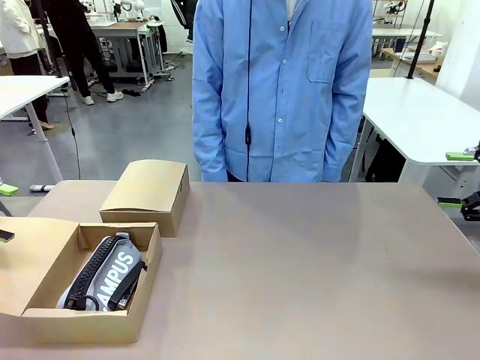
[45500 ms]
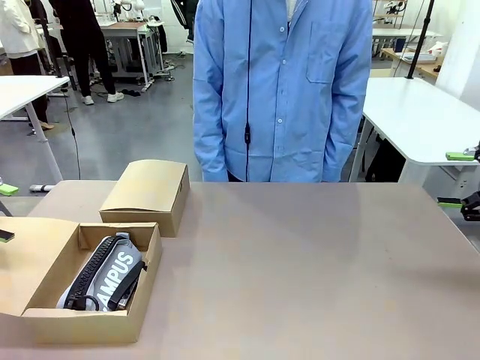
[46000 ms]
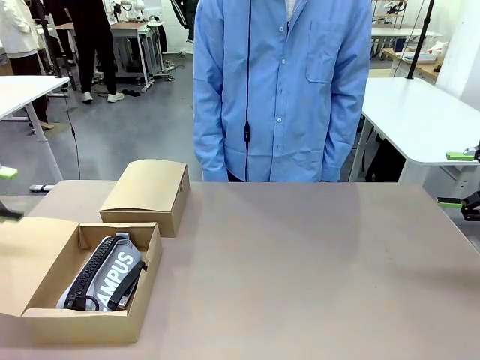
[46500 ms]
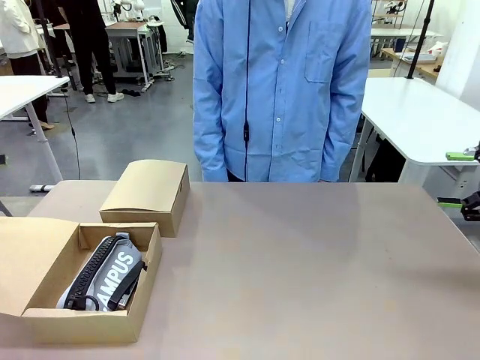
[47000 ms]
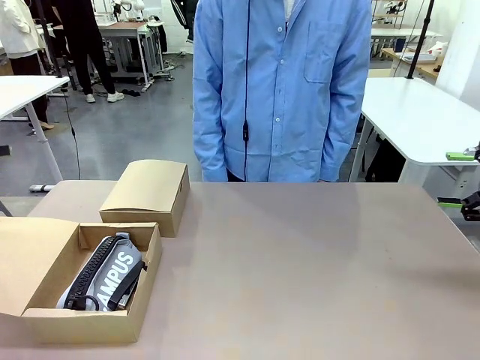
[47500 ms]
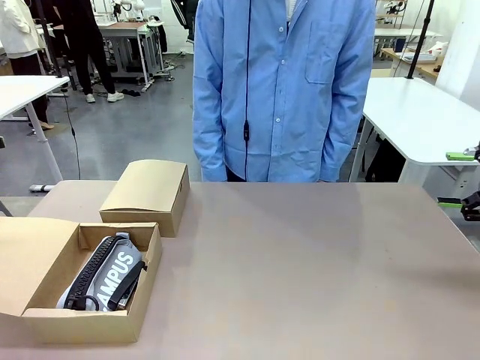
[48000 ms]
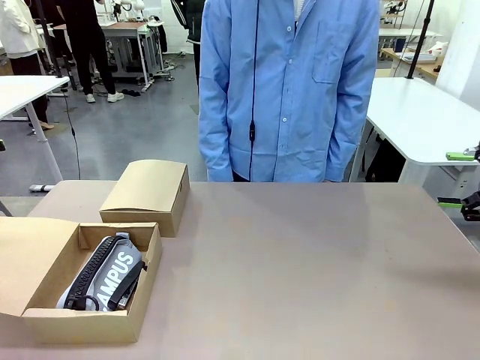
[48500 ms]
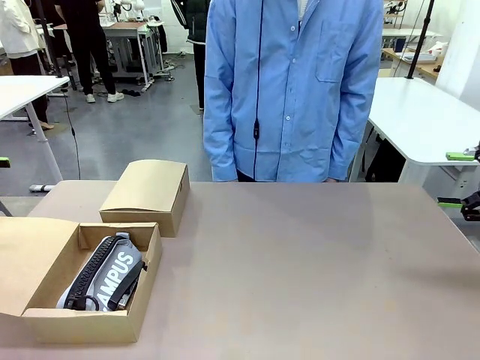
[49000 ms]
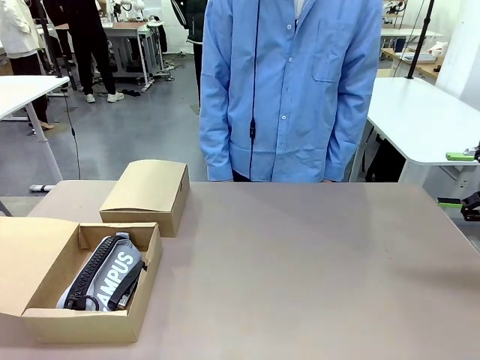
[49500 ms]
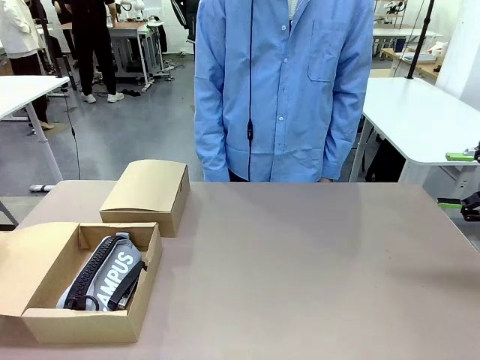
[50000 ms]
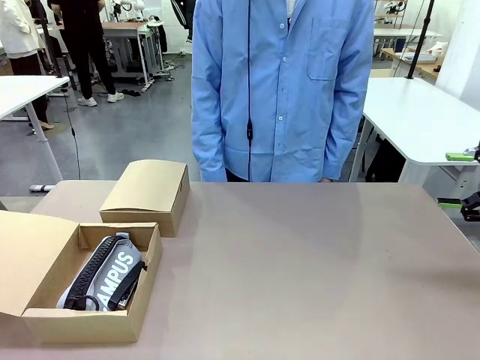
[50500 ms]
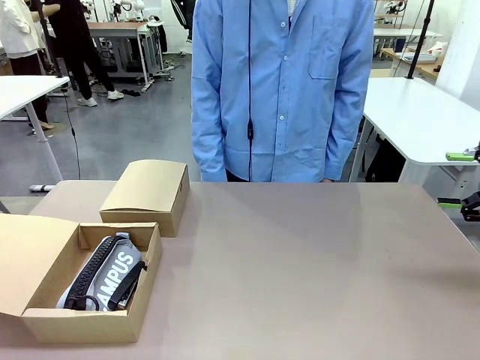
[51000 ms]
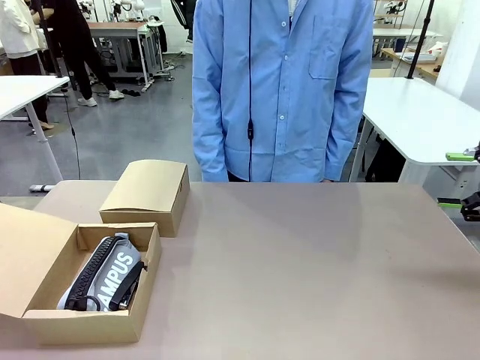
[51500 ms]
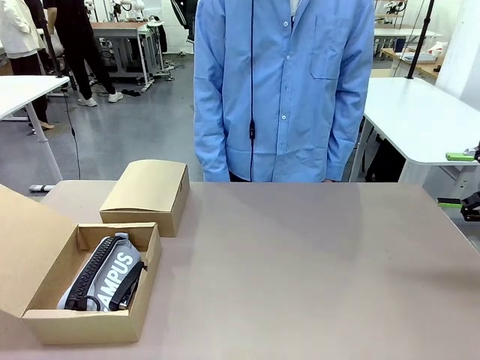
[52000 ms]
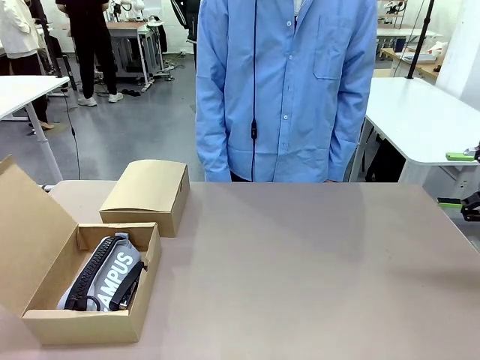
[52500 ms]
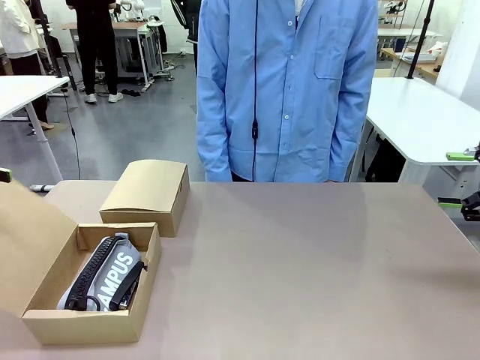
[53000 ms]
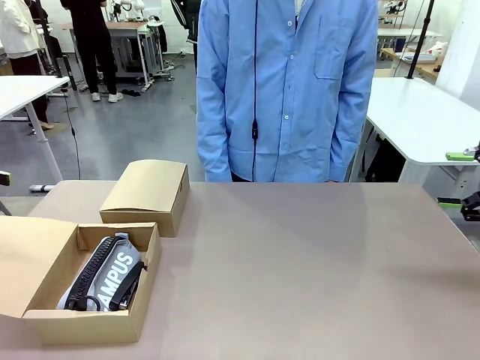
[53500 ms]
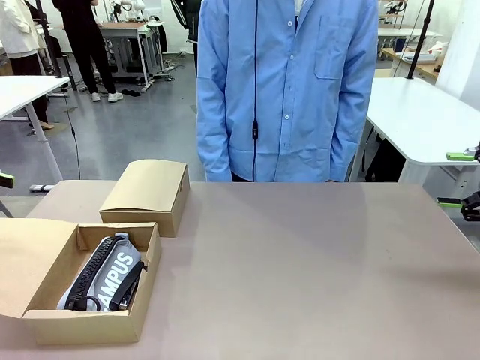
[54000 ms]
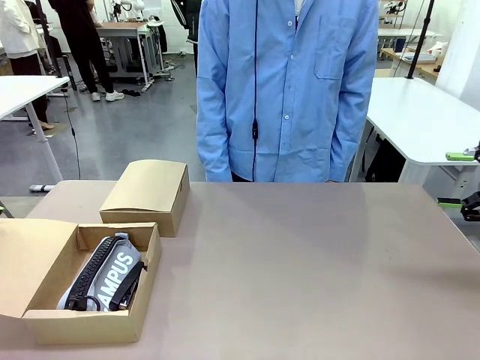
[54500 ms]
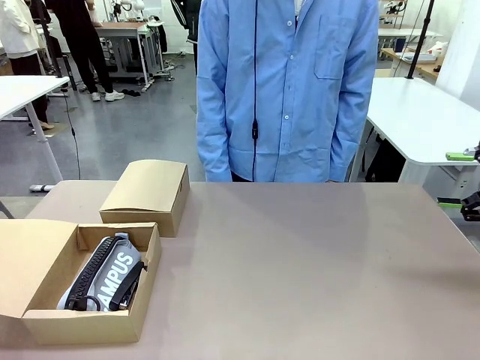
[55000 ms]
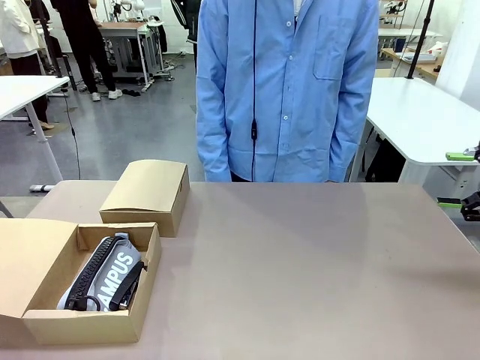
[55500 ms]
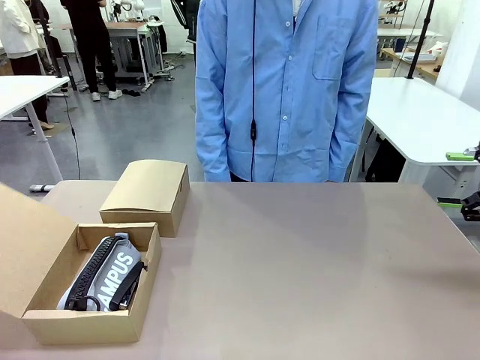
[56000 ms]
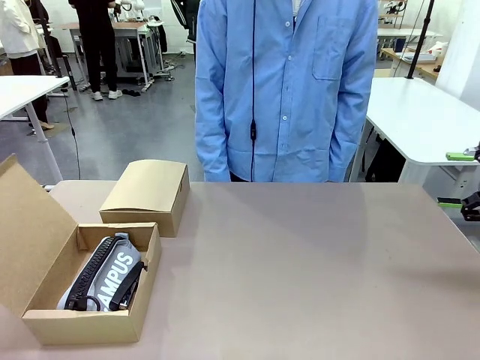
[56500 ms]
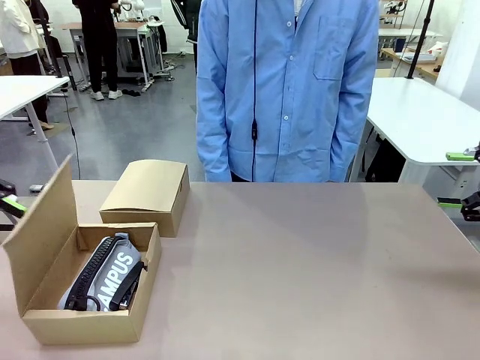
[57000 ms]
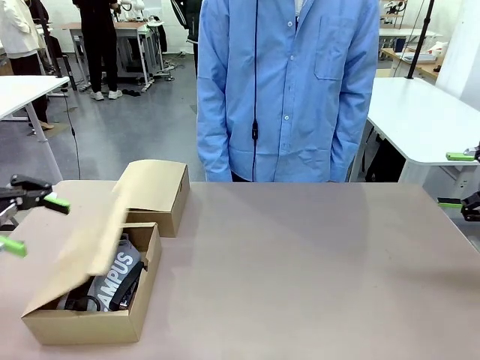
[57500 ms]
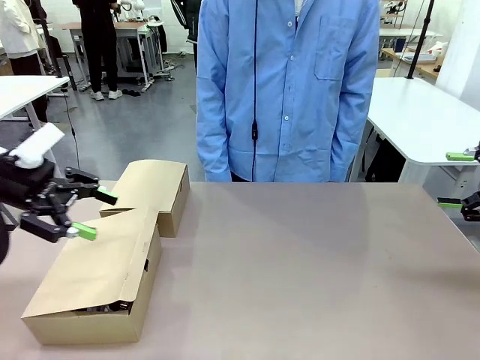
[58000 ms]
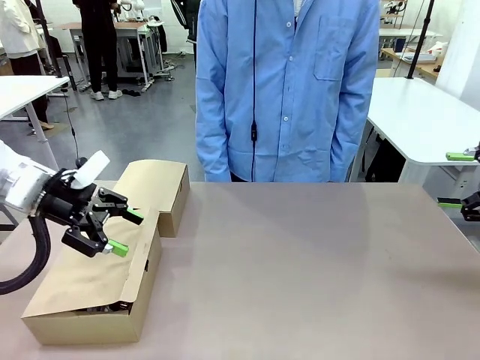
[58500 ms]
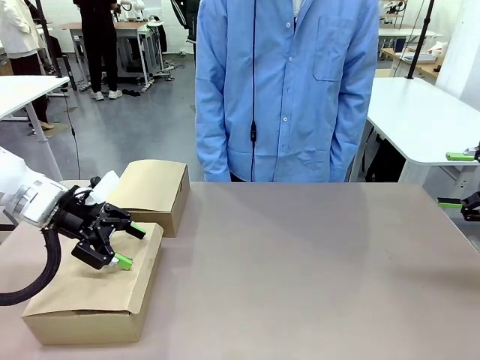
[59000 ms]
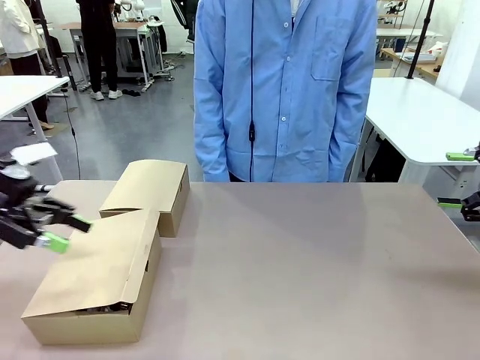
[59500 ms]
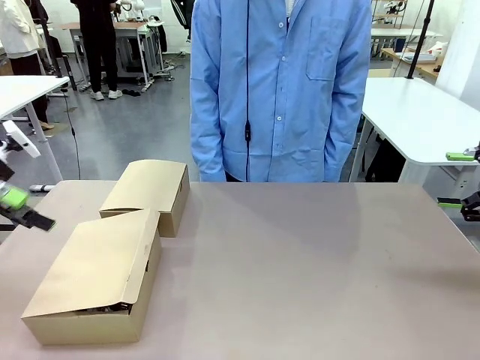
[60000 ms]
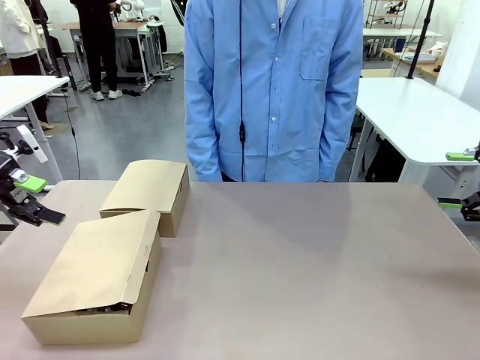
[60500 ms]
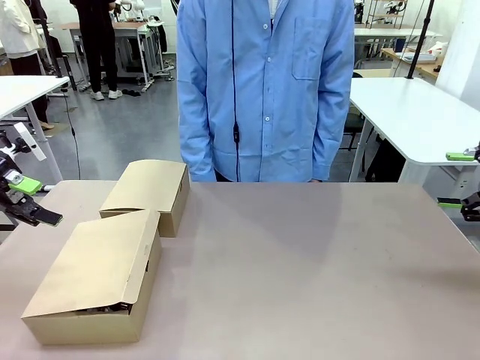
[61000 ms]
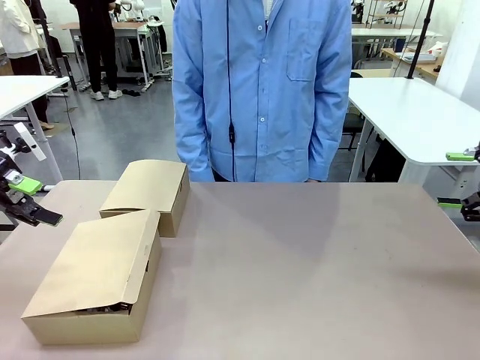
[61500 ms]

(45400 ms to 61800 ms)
Task: Place items inside the box.
Robot: Close the lid of the Mailer Box closest to the robot.

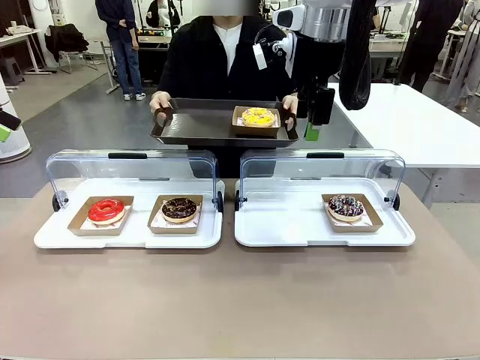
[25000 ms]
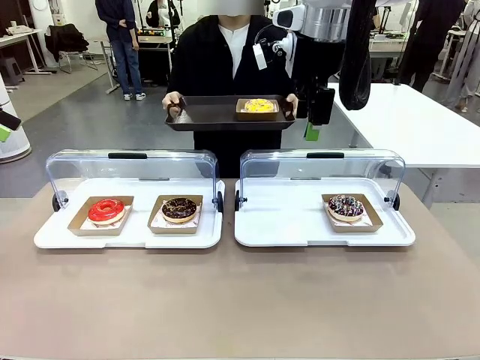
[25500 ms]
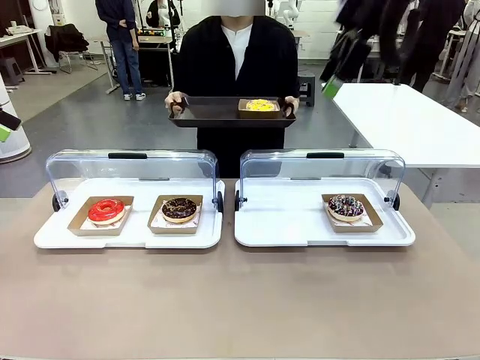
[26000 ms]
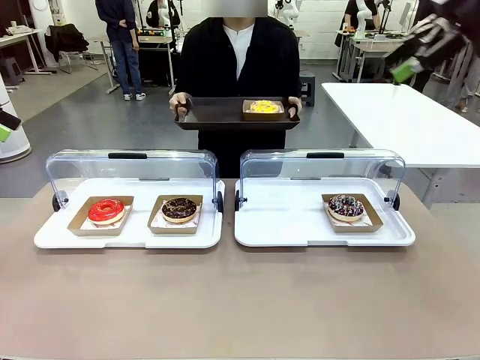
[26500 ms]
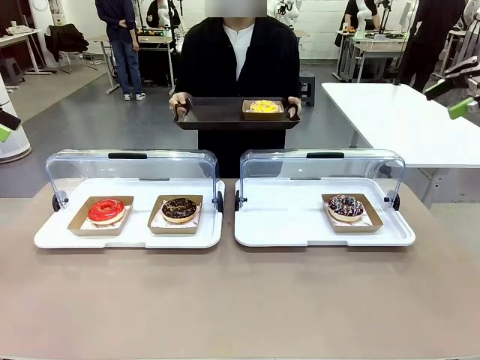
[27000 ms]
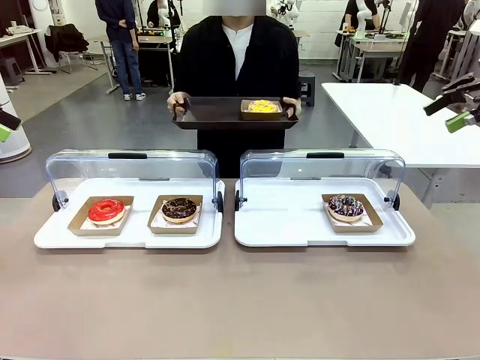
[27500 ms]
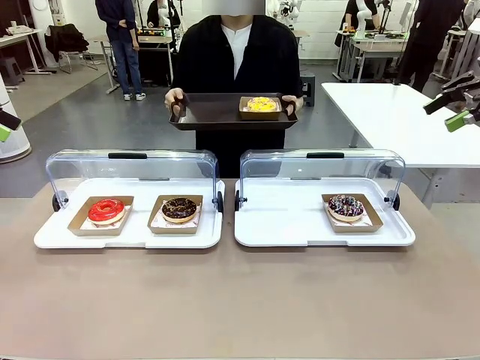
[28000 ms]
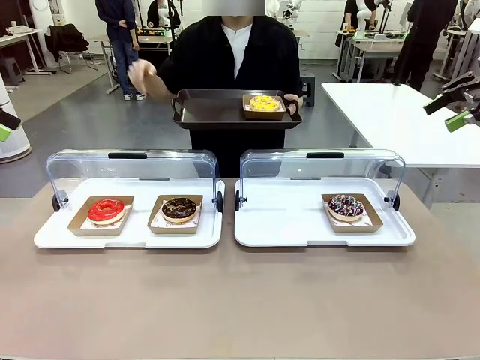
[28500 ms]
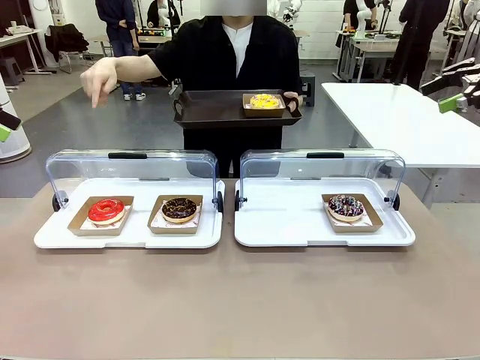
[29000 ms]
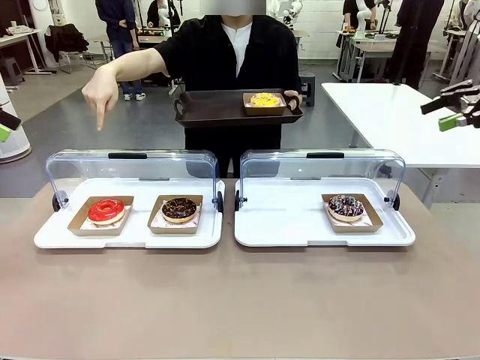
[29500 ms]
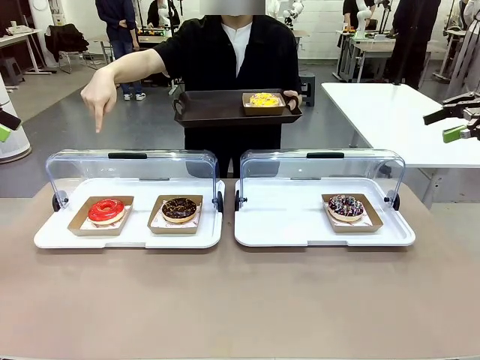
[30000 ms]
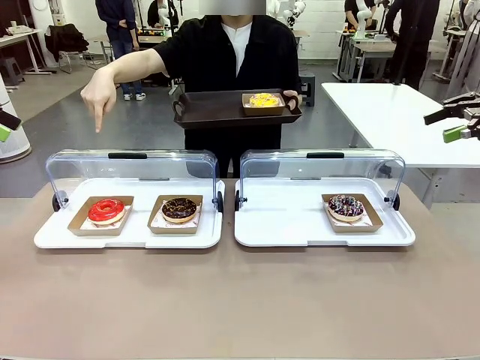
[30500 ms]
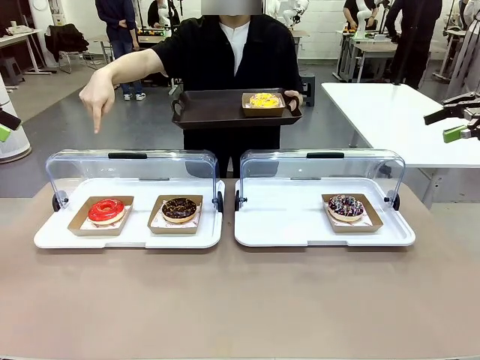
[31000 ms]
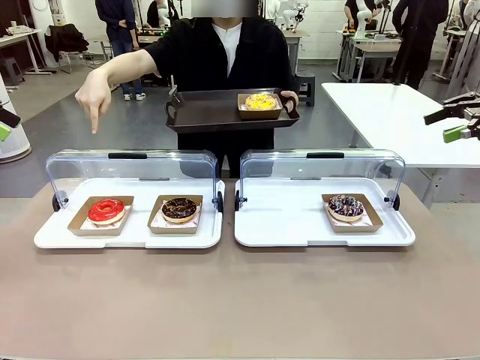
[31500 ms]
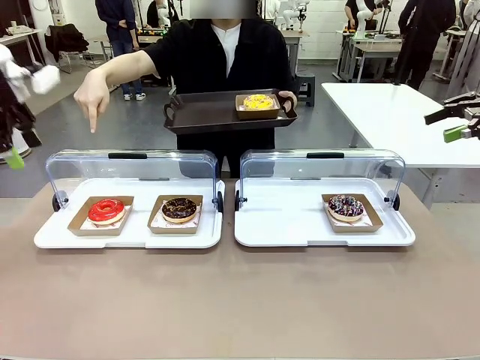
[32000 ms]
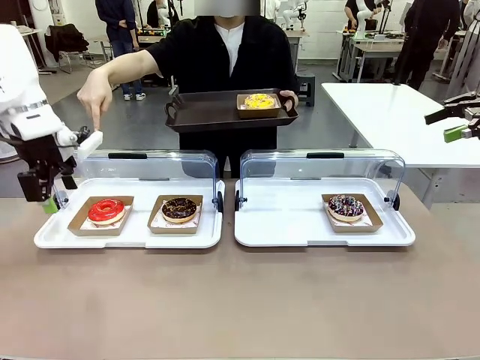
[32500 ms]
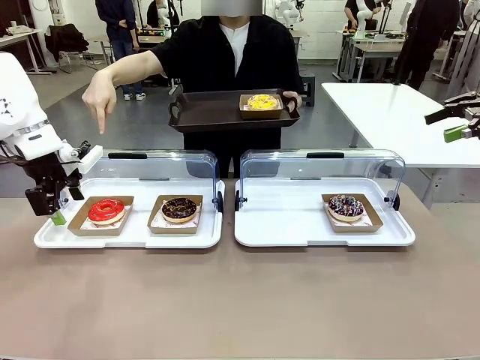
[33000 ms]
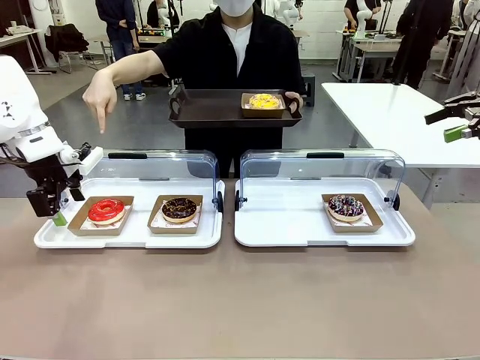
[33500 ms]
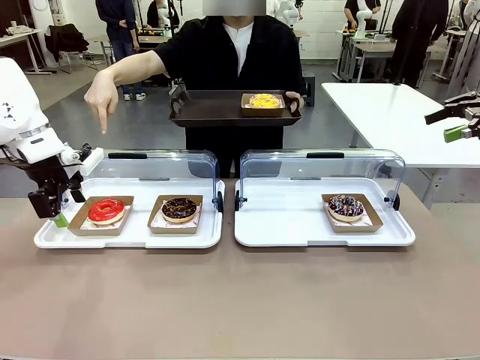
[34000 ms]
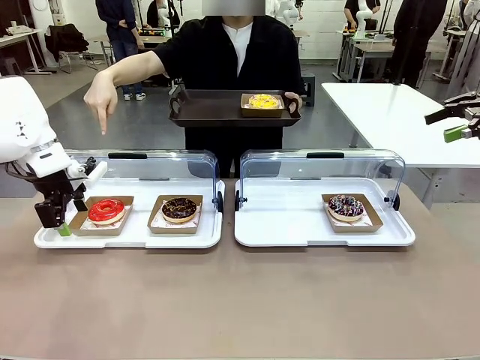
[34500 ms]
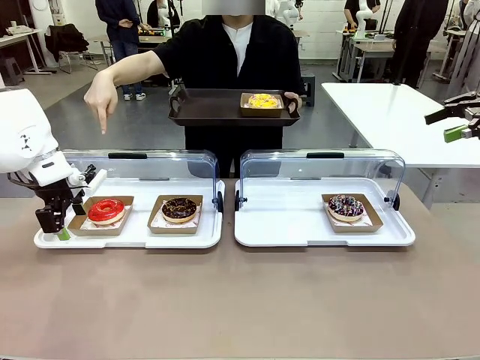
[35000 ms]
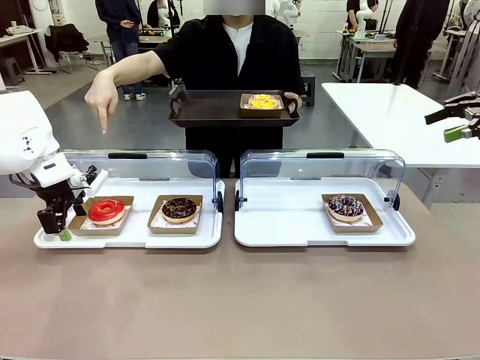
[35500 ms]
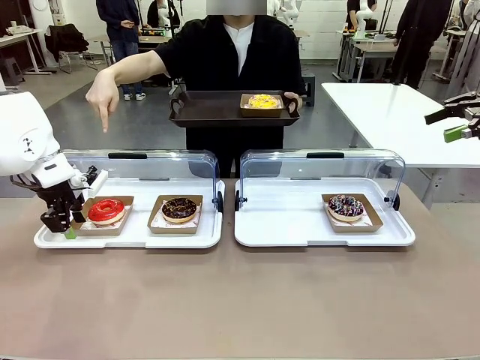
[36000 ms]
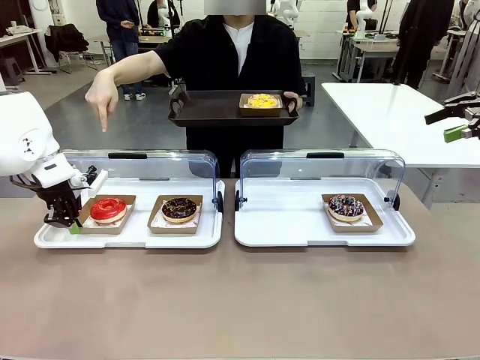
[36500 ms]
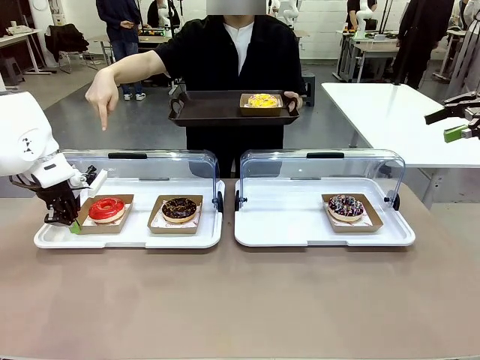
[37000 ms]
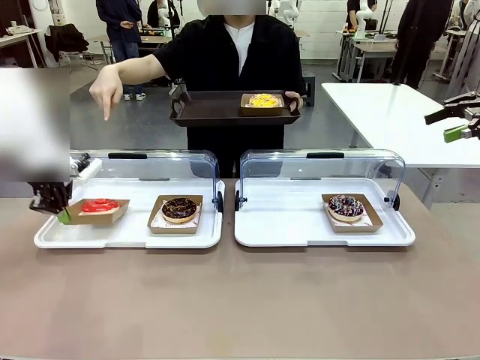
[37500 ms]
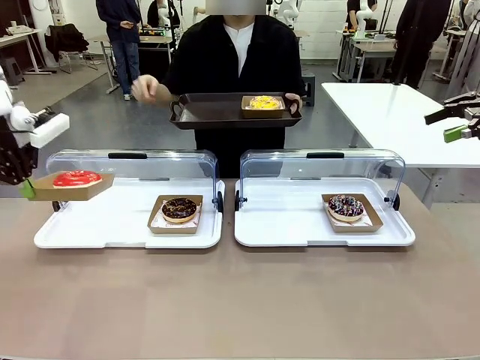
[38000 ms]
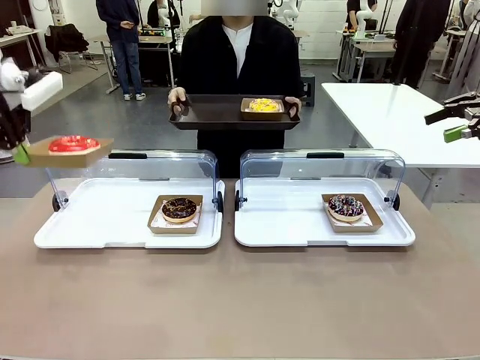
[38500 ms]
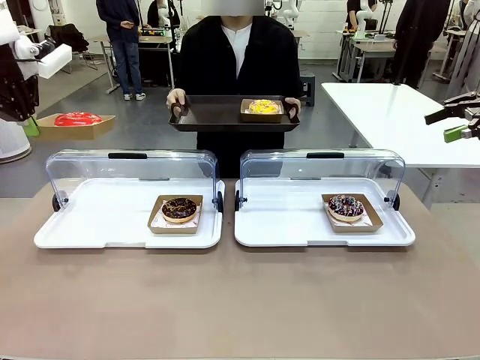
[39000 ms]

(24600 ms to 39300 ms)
Task: Provide the desired donut to the person.
Robot: Pick up and lift the Paper togo box containing the Donut pointed at by the person.
Person: Point to one donut. Lift the tray onto the Roll-Top Bakery Case.
